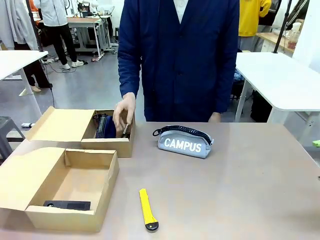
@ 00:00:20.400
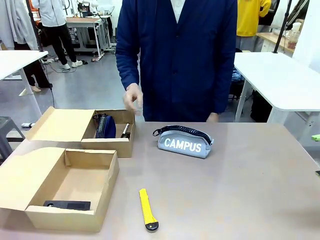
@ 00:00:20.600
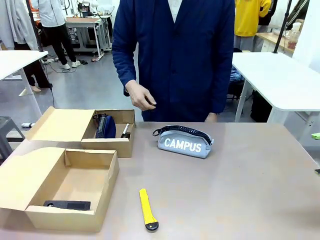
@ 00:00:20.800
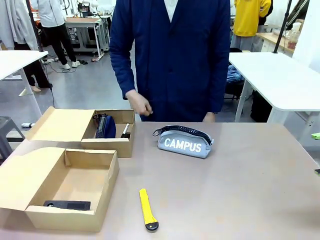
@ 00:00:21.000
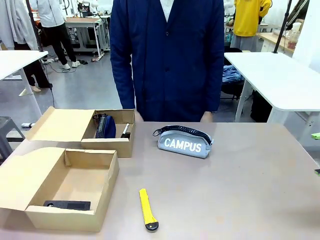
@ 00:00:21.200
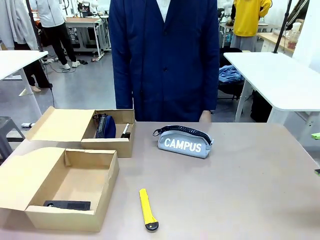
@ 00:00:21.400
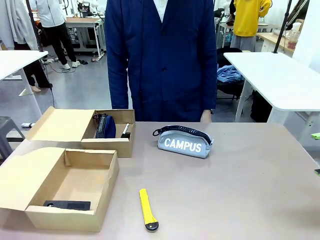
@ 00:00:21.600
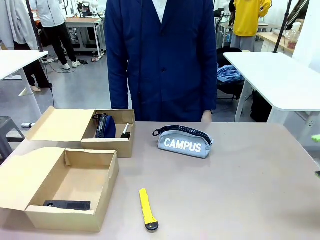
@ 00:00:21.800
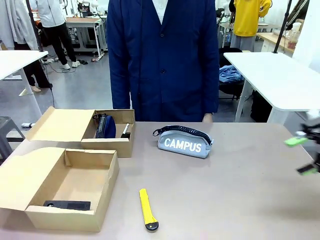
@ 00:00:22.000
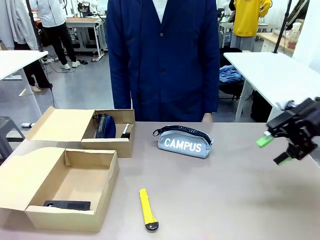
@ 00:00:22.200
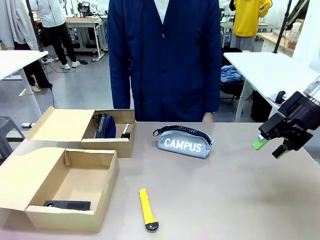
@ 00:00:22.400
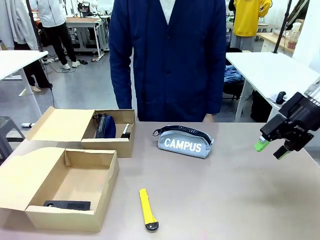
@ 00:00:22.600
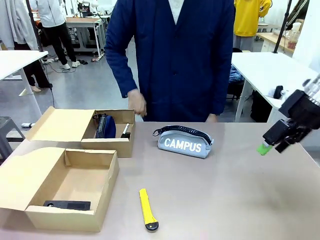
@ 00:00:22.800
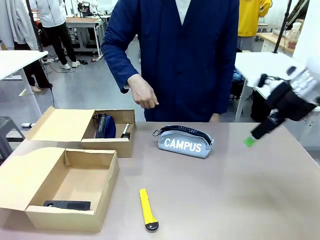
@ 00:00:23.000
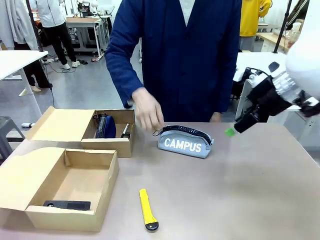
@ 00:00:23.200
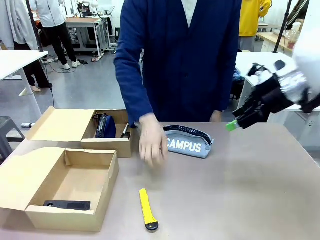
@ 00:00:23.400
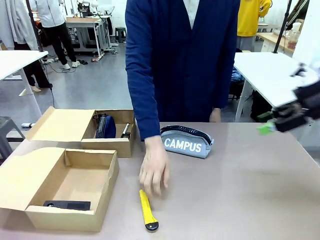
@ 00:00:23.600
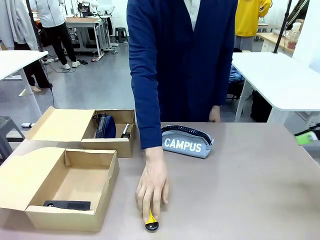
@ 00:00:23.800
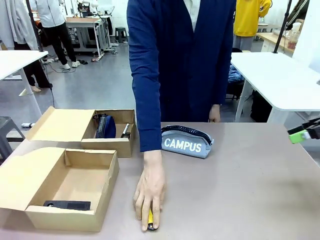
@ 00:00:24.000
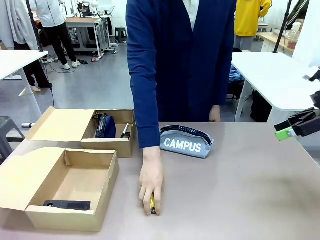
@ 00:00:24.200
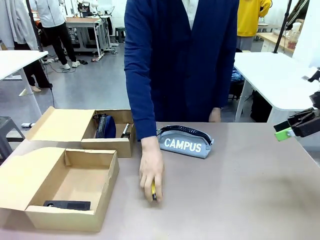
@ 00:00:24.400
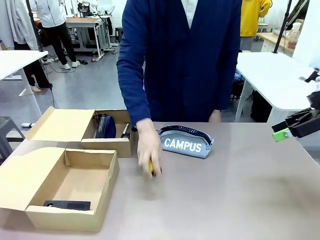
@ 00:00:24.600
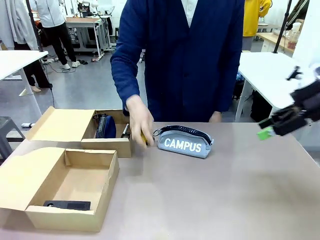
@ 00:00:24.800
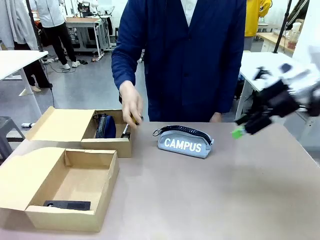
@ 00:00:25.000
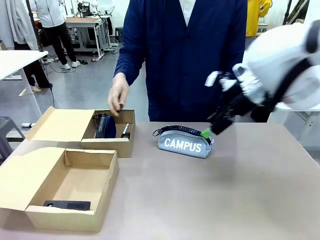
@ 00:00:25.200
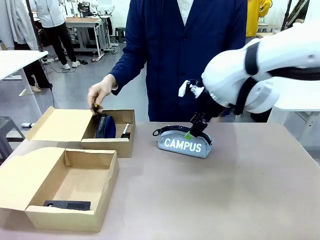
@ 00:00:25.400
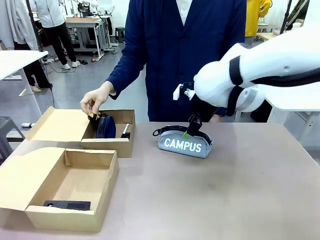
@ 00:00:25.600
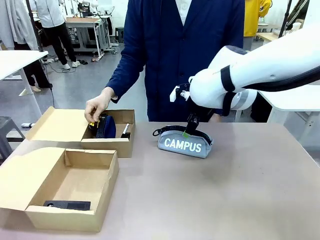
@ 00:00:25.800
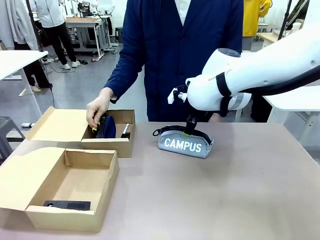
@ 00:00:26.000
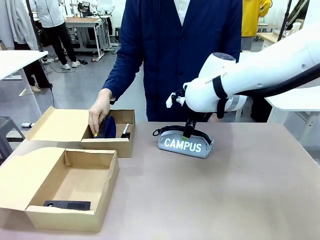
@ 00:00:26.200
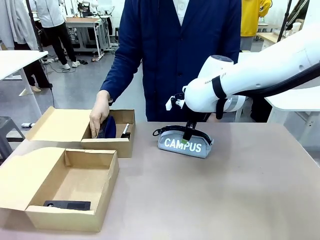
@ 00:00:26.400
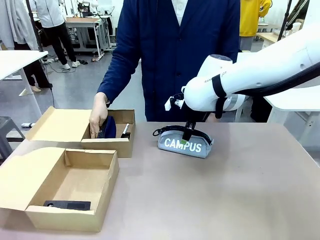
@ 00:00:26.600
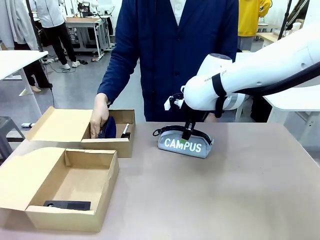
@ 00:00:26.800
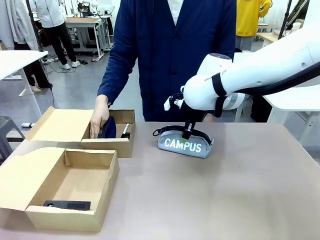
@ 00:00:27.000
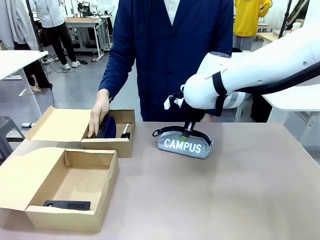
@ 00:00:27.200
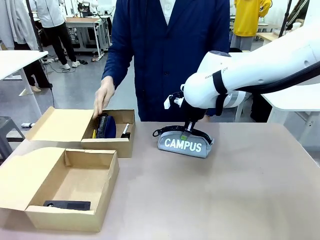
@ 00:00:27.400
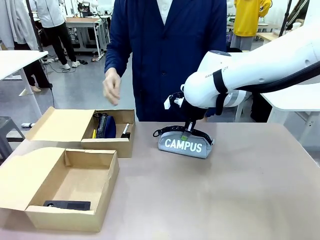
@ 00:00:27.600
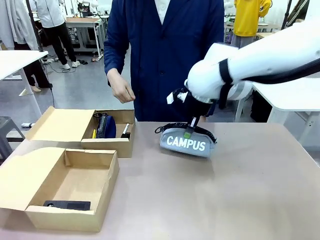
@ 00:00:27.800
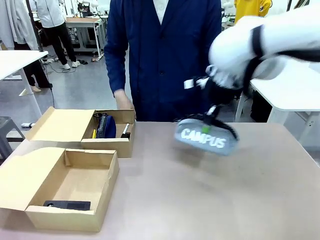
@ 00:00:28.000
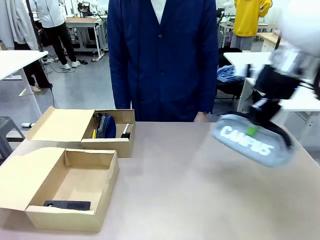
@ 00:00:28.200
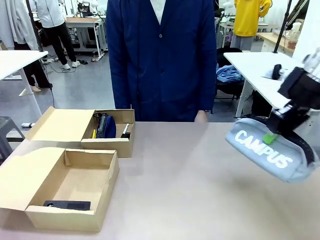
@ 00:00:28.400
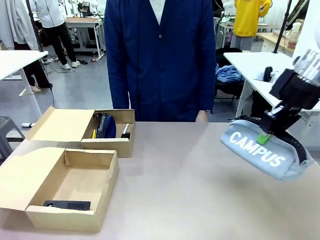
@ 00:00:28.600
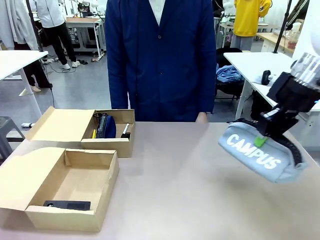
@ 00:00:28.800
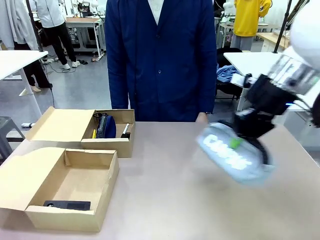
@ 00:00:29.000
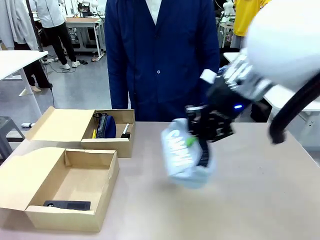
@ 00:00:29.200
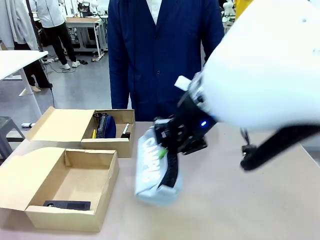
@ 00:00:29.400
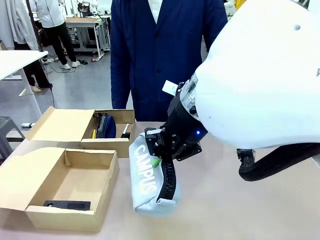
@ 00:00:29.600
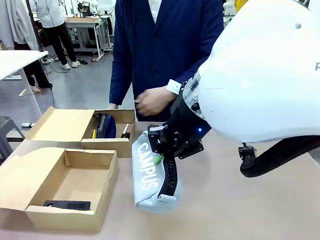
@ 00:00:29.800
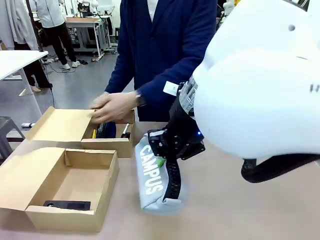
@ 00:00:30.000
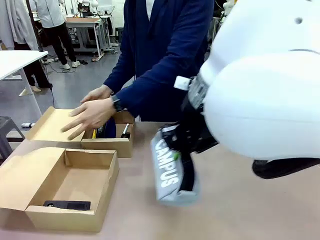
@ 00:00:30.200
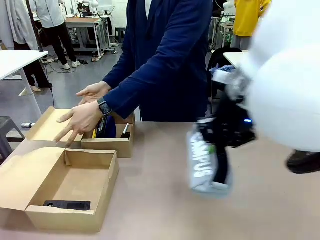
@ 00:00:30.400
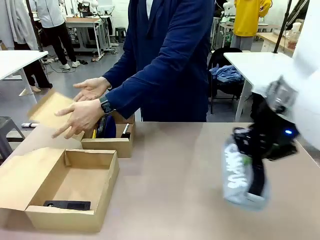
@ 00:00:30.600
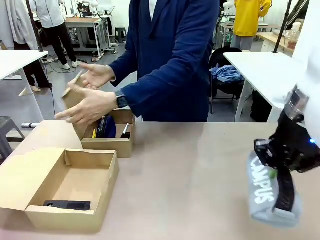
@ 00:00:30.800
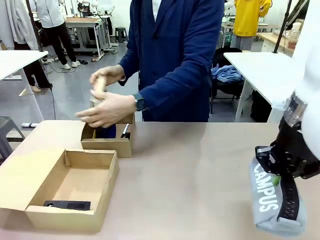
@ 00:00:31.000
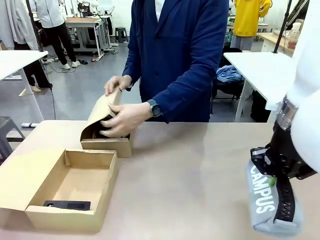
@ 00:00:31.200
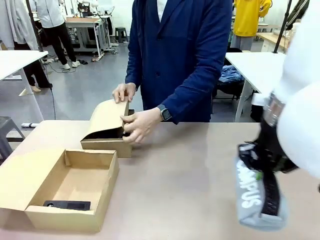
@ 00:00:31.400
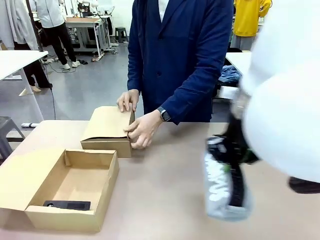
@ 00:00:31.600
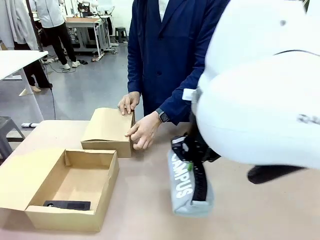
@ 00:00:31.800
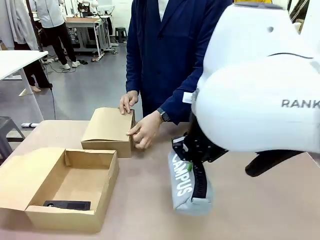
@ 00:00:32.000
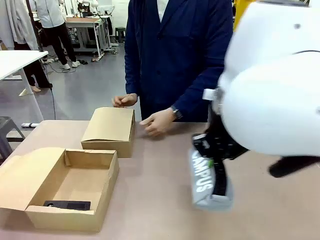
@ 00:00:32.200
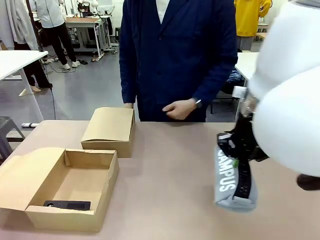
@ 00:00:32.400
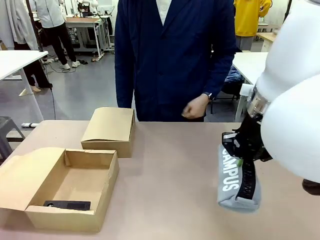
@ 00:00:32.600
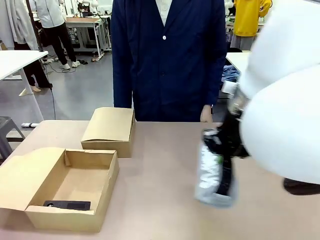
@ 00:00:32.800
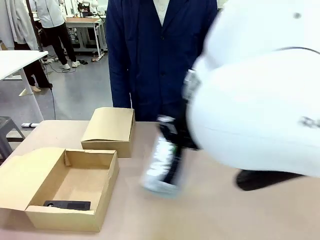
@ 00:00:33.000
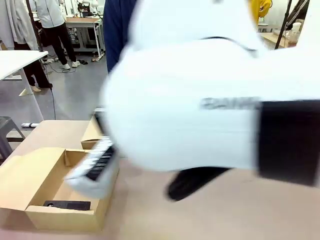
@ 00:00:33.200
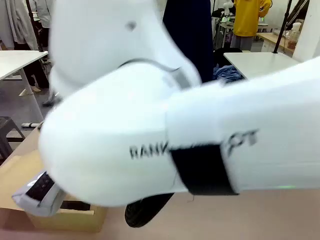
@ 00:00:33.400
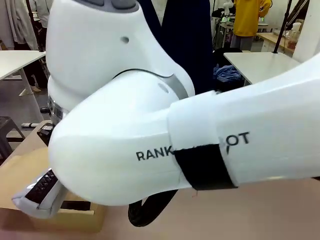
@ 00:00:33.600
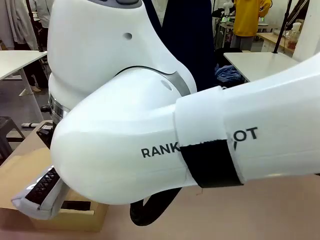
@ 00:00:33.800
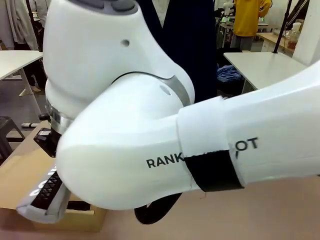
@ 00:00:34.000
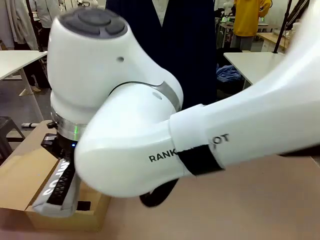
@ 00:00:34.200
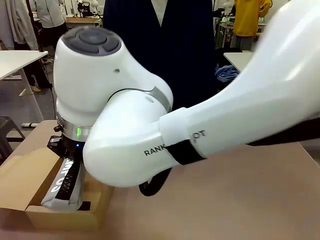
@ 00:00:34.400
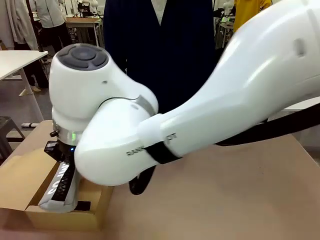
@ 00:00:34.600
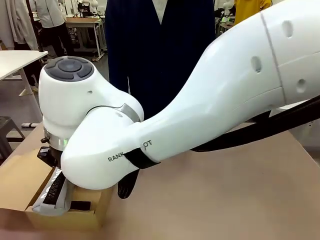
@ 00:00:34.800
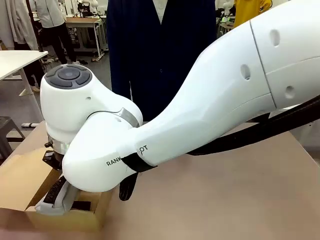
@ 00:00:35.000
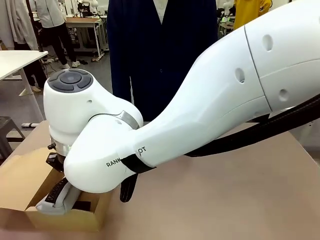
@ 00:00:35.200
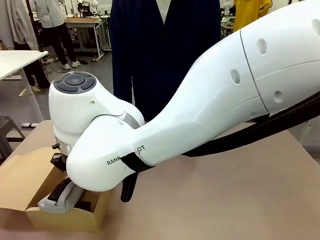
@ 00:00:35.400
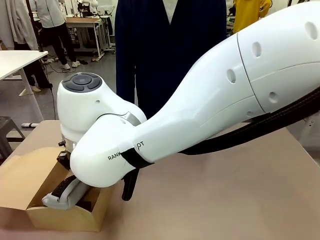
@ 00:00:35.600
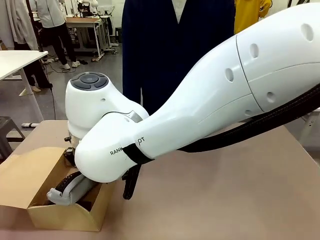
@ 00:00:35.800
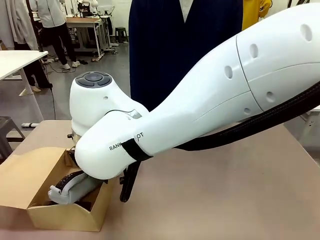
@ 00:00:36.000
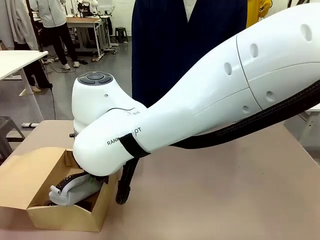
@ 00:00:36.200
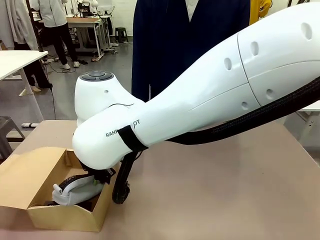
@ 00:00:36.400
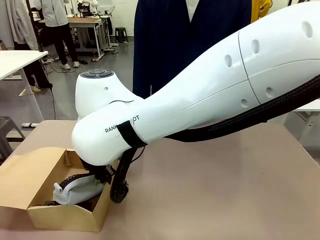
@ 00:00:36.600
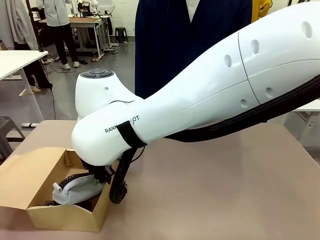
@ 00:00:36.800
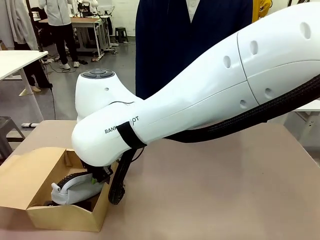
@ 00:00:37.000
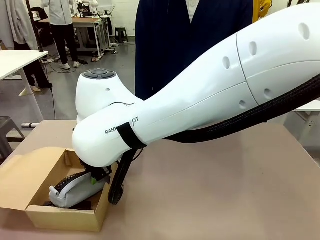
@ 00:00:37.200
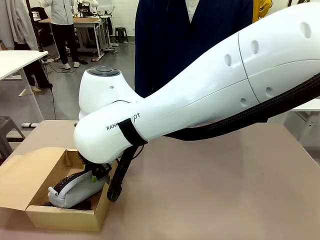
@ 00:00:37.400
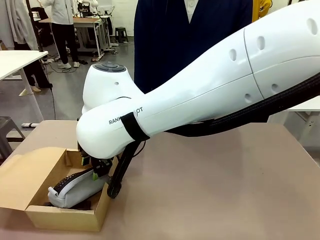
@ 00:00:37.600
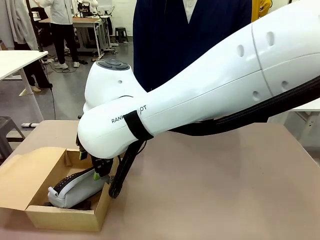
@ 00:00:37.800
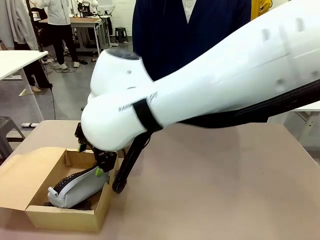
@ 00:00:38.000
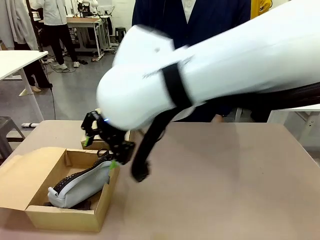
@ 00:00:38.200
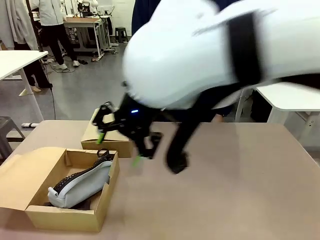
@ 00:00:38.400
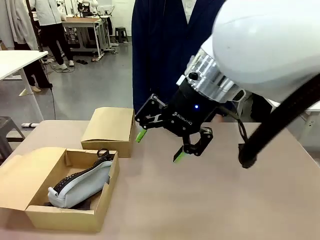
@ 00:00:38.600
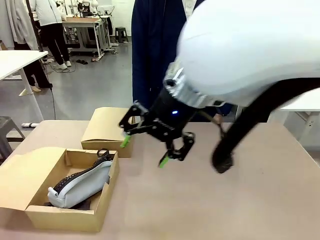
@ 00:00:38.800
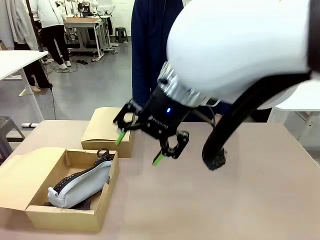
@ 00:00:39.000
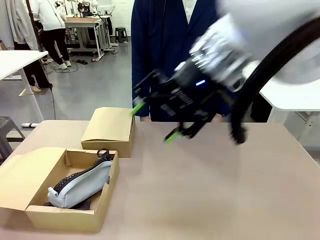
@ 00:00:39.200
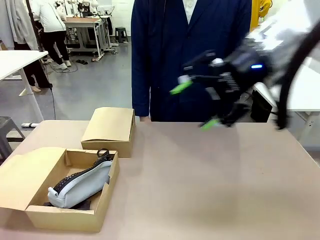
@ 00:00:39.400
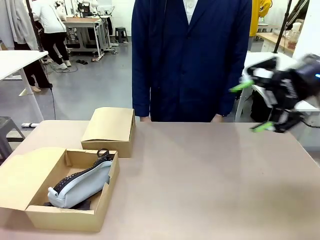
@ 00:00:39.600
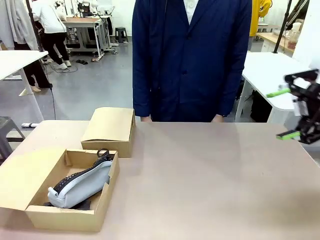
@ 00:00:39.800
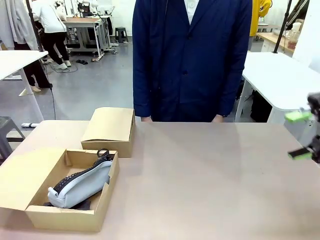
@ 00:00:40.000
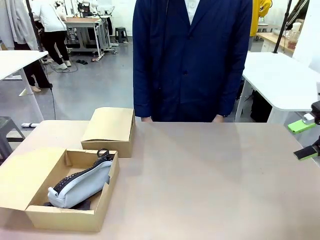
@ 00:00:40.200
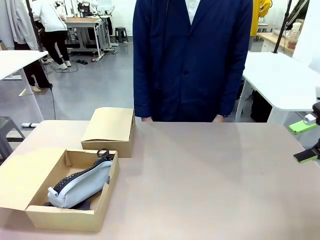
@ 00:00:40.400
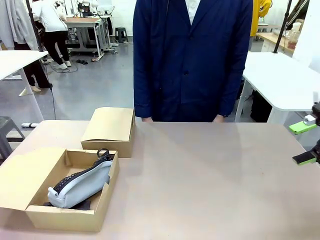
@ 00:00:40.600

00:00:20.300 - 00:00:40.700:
Task: Place items inside the box.
Robot: Pick up a Pencil pouch or Stapler and place it inside the Mailer Box closest to the robot.
Person: Close the lid of the box facing the person.
